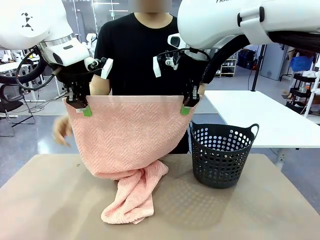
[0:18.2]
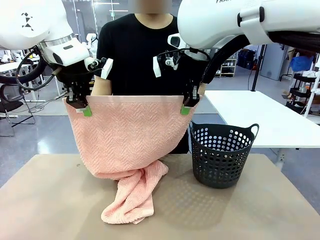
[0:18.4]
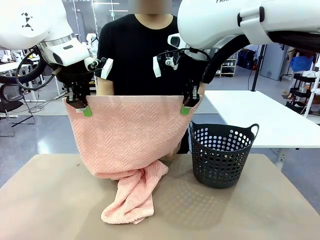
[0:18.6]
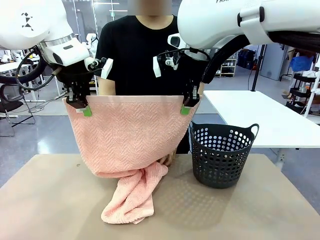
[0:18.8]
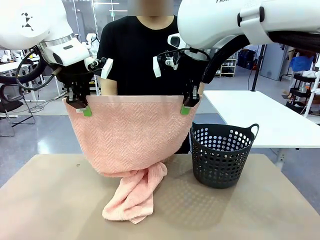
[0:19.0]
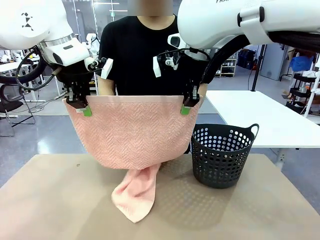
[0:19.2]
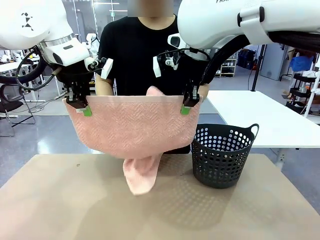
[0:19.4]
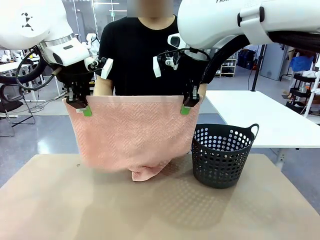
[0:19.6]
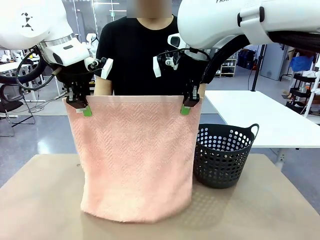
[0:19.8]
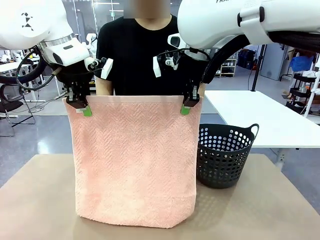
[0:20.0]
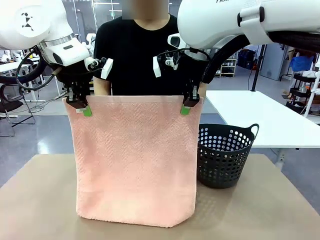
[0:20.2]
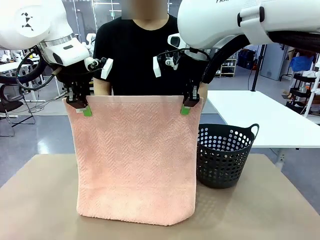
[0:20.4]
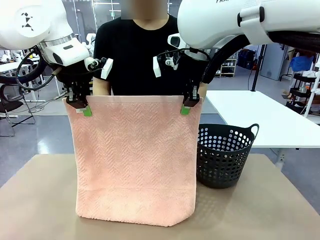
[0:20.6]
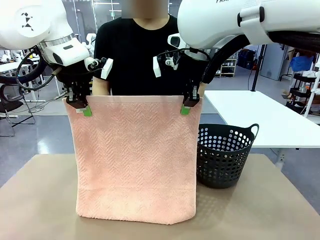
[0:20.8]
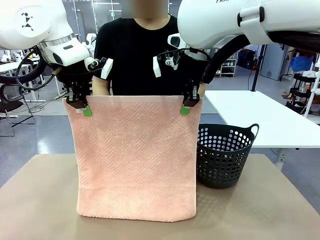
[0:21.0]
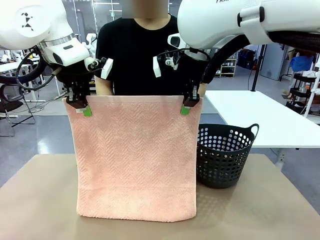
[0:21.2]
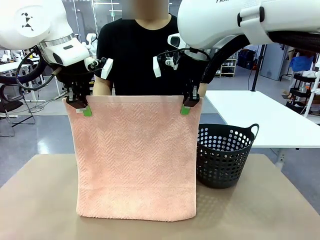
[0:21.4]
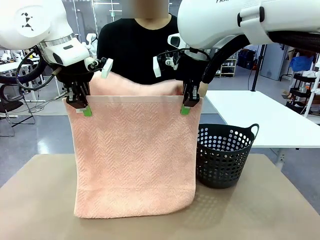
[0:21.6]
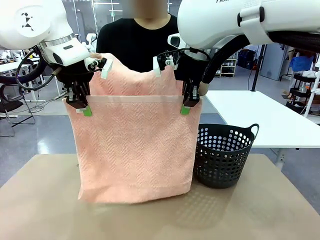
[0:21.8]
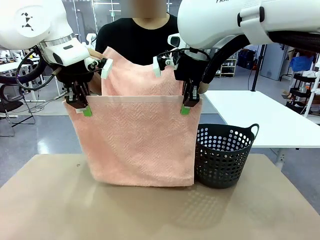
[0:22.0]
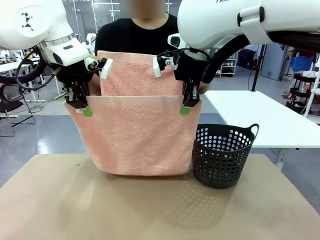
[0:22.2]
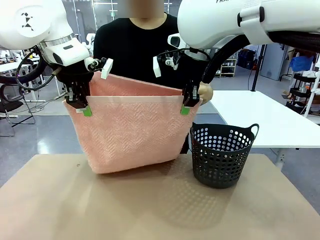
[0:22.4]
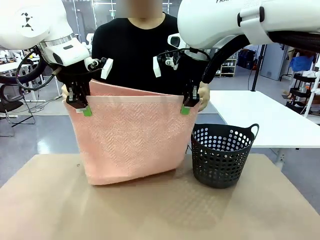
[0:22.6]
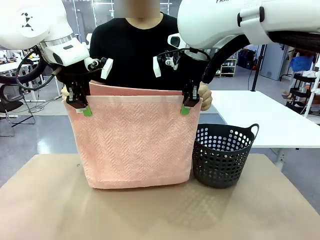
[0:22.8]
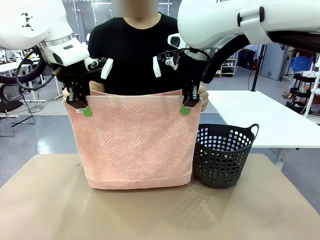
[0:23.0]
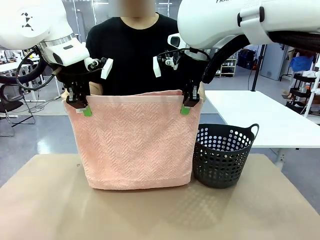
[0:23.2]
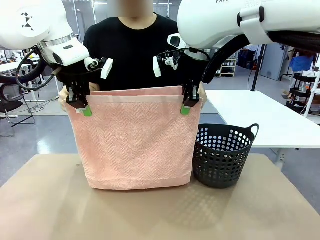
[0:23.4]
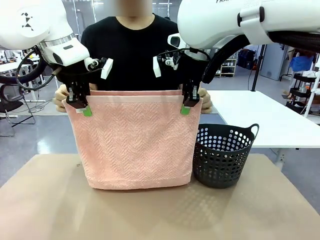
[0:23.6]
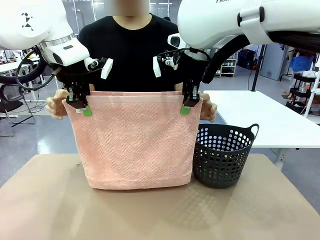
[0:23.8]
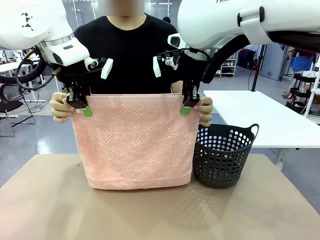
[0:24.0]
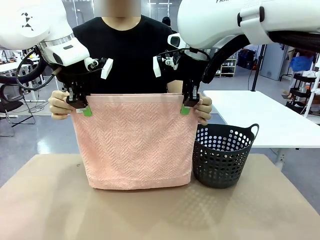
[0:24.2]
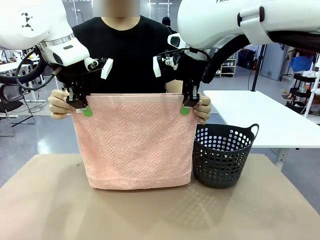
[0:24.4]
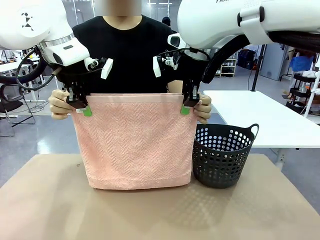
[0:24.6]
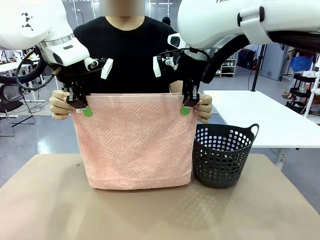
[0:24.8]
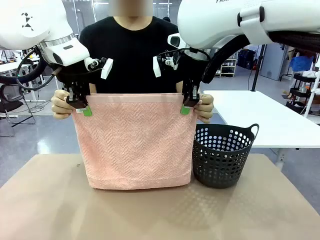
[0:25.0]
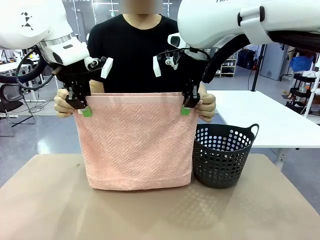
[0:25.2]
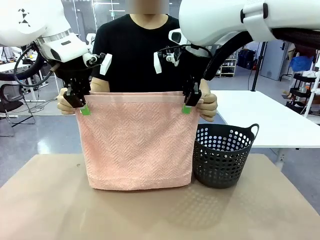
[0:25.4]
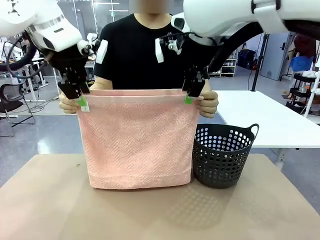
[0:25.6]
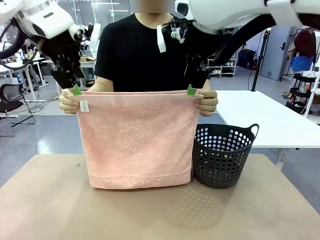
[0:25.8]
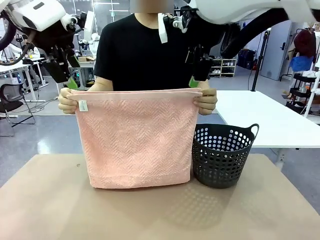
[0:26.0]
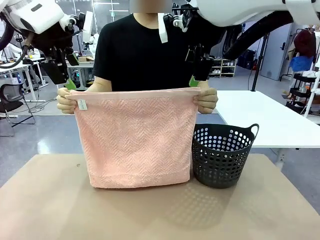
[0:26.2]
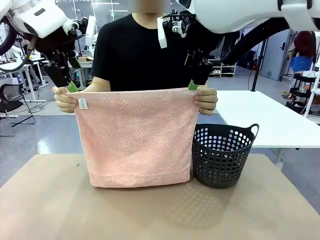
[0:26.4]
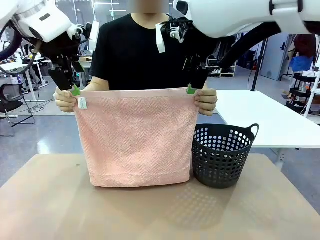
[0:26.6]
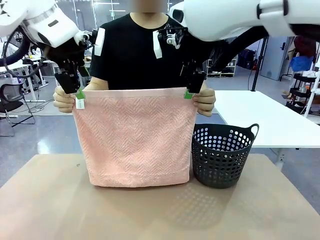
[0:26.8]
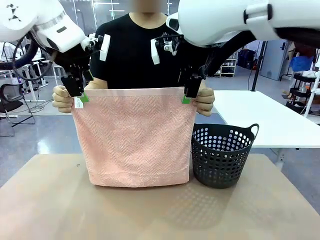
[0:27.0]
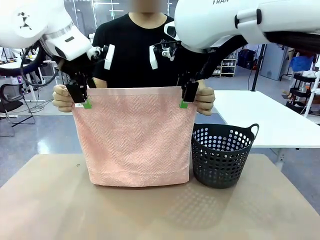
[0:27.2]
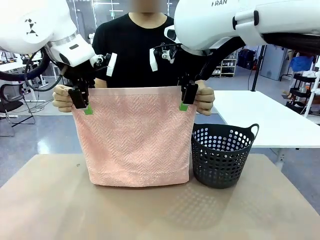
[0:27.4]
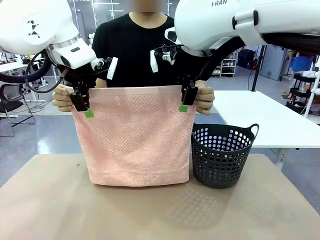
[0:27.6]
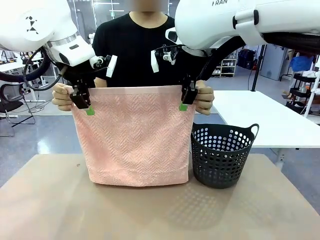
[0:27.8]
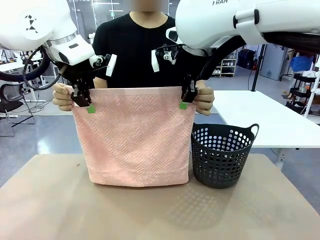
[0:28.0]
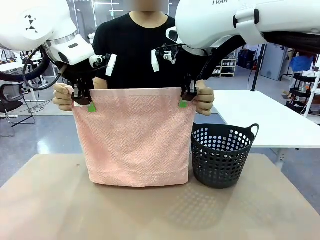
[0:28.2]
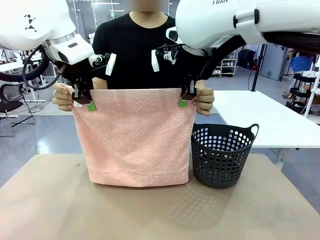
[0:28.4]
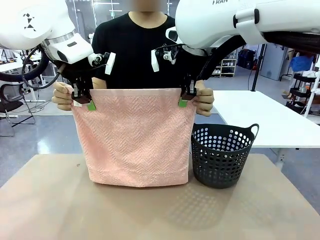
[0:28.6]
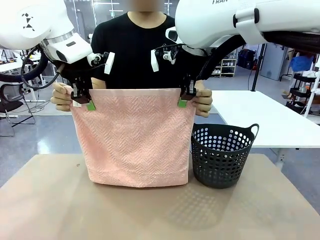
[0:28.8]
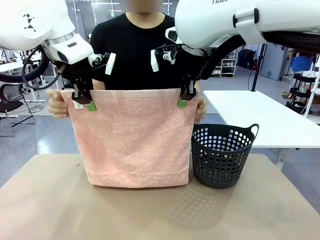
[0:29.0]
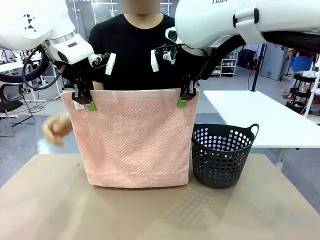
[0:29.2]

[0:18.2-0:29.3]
Task: Fold the towel.
Robot: Release the end of the 100 cm Hotel Towel you were holding and grab the top end of the folded side.
Person: Using the point held by the robot as a reference, grasp the opposite end, fold the towel in half, and then hold both ends of the folded towel.

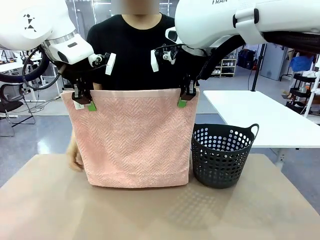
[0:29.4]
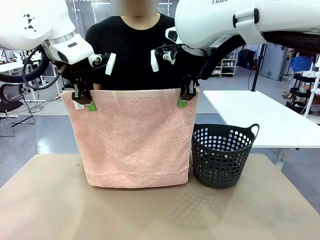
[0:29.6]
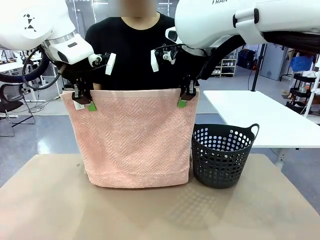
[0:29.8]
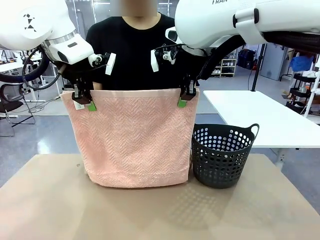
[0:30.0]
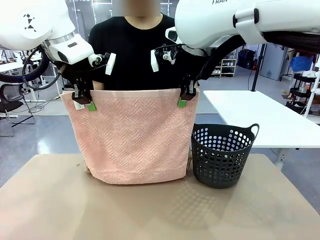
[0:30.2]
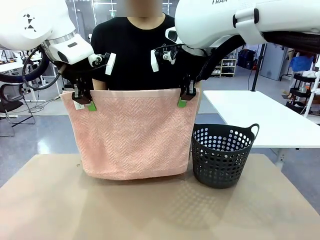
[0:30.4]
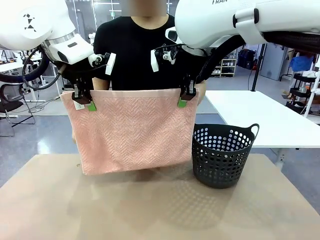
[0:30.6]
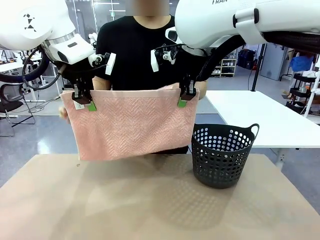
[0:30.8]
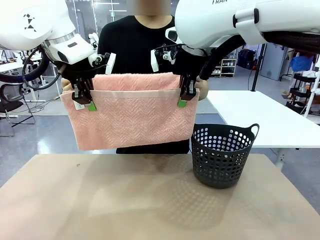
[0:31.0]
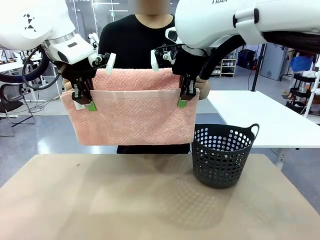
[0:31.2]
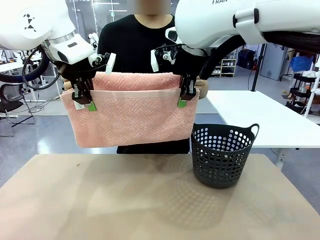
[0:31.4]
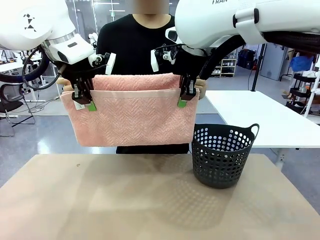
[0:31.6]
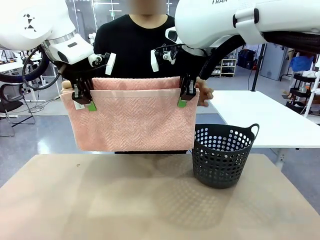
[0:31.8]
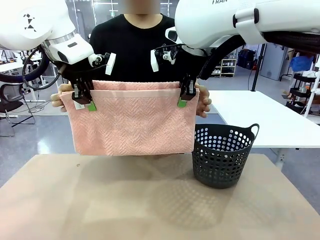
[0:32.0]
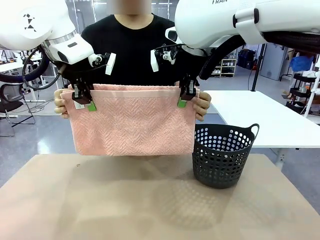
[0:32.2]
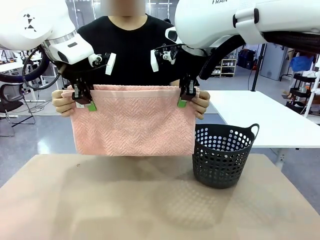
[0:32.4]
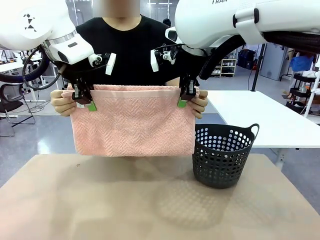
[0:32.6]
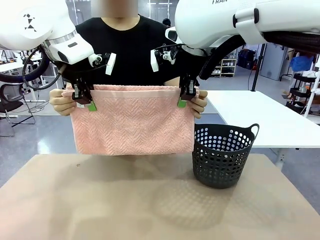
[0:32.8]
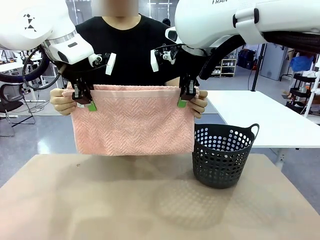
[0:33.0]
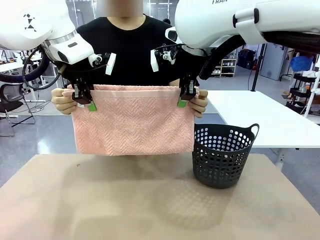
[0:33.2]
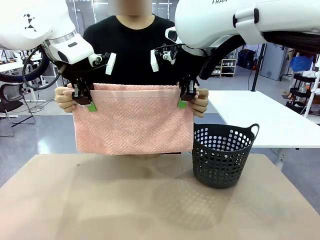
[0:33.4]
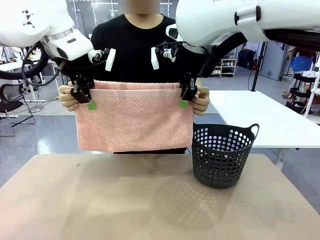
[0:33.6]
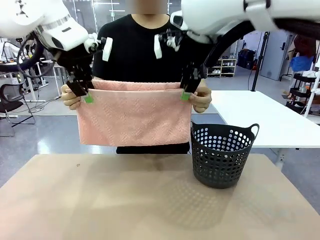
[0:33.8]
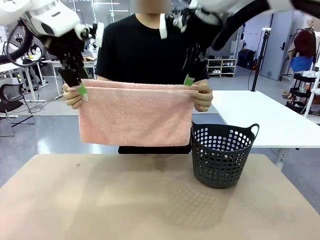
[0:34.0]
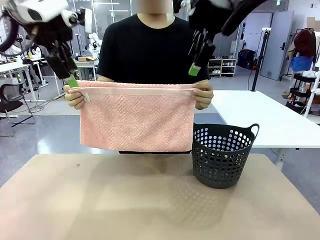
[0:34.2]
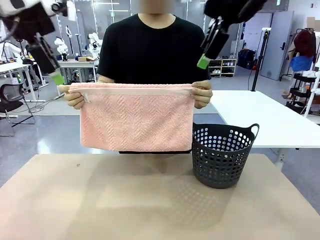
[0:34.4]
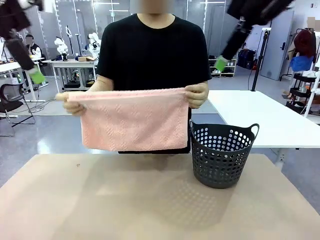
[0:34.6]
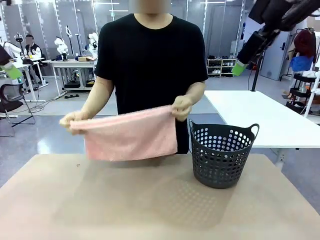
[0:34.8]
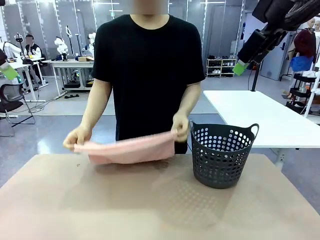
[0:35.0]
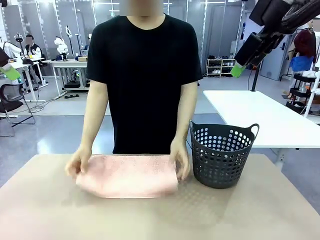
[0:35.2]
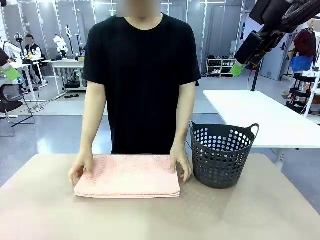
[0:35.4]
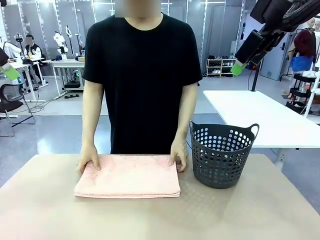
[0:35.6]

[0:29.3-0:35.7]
Robot: Release the end of the 100 cm Hotel Towel you were holding.
